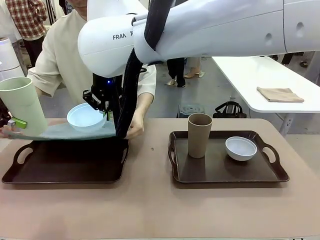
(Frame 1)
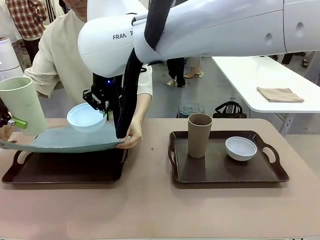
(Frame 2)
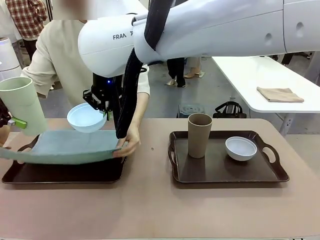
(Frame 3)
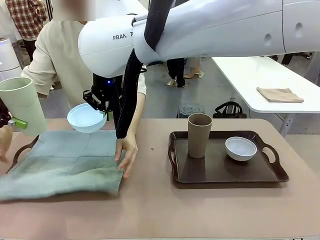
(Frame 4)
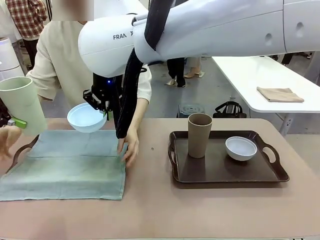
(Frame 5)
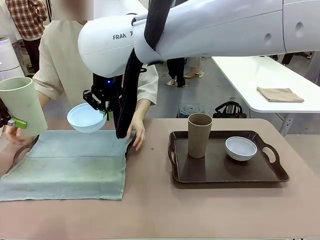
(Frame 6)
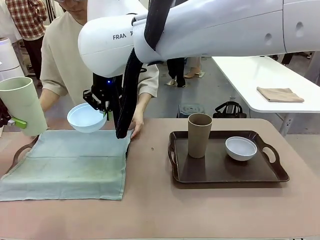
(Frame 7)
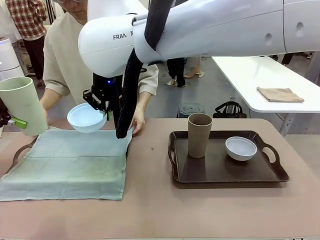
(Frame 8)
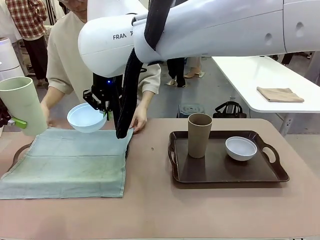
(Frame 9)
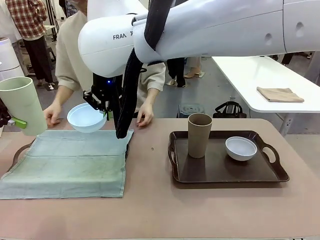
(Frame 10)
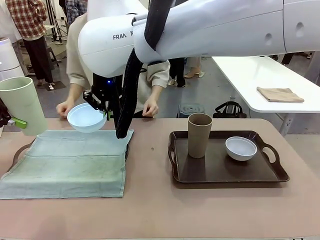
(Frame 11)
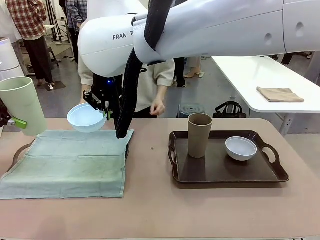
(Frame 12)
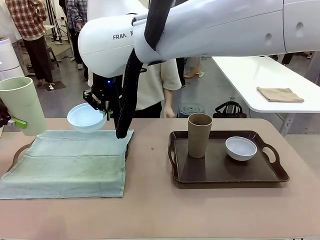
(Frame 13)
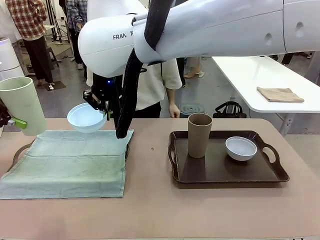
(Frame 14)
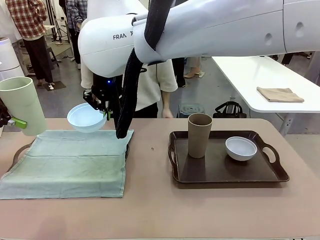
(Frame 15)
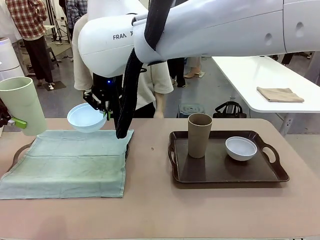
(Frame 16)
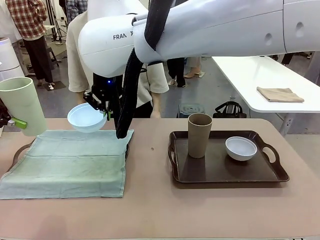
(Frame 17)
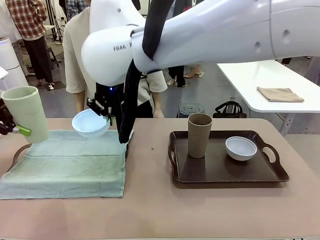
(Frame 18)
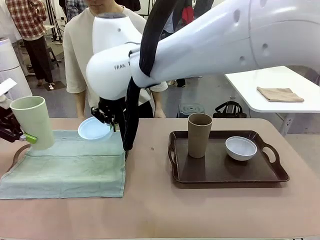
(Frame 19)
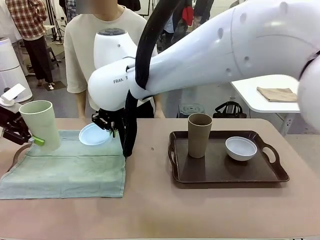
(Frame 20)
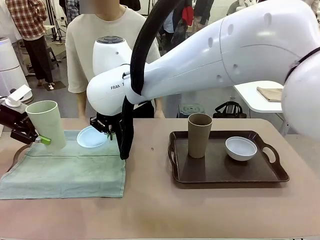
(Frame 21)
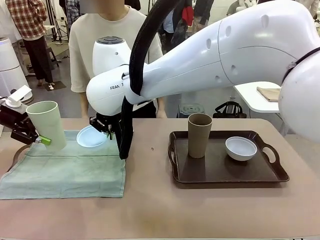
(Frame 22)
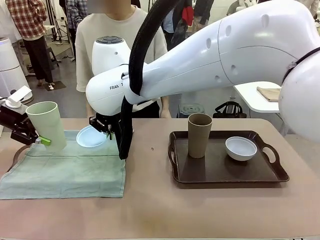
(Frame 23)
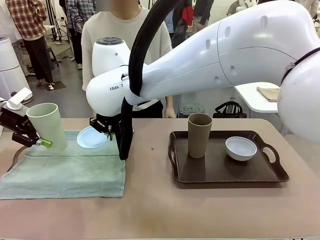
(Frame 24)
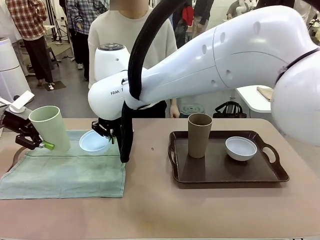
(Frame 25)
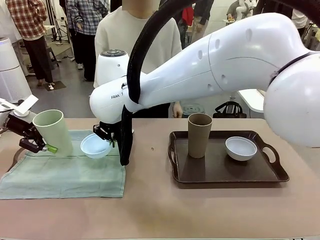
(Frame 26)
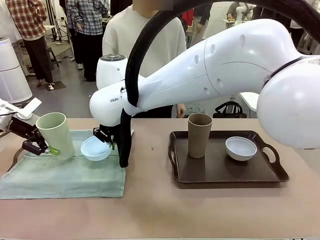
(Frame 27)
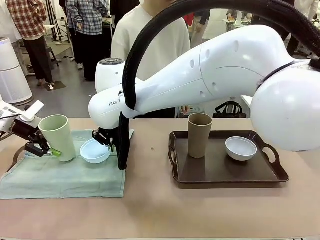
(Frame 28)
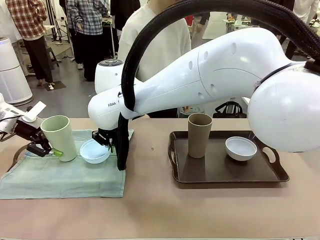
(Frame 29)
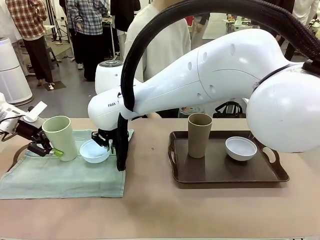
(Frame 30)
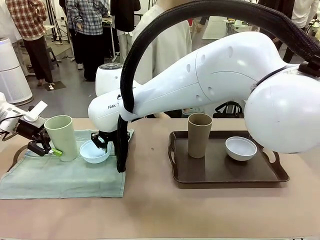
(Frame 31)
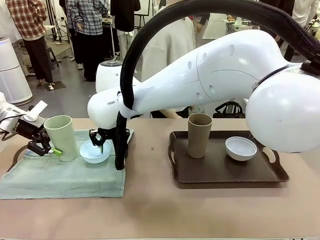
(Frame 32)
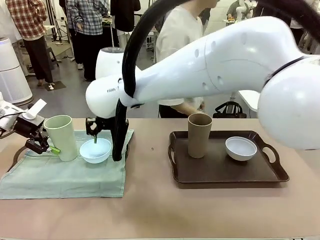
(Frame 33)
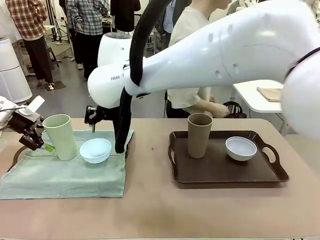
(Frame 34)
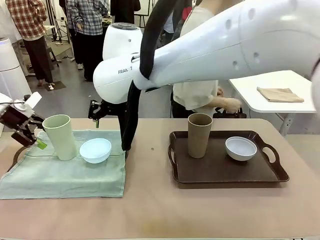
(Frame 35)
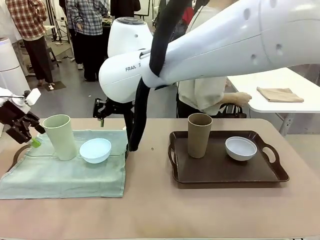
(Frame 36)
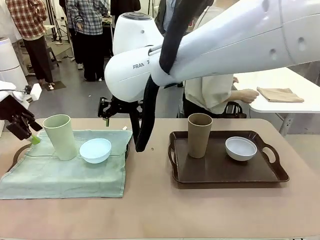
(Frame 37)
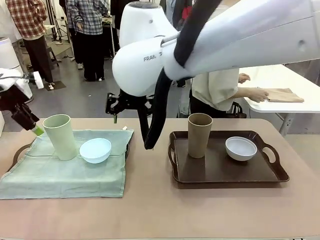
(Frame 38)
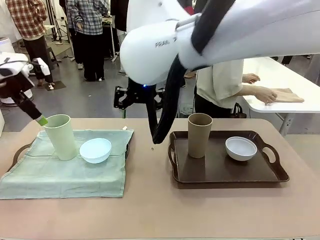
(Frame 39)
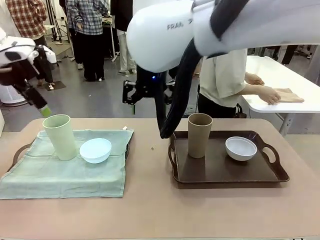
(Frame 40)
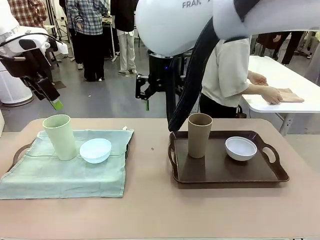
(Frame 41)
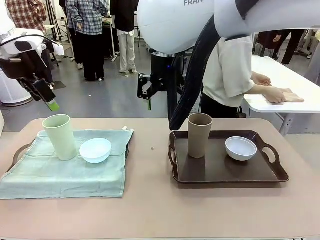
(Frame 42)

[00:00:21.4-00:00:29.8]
Robot: Place the Picnic Bowl and Reusable plastic cup back onto the Handle tray in front of the human's position.

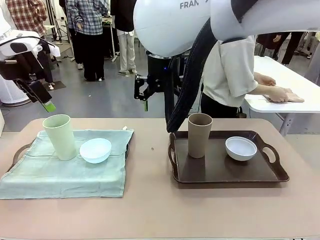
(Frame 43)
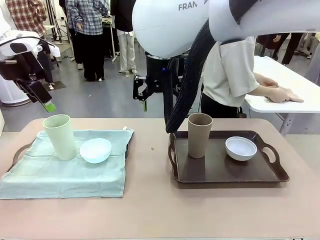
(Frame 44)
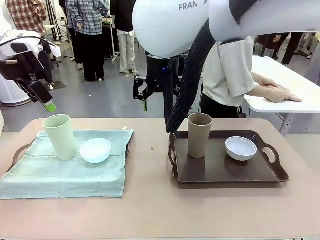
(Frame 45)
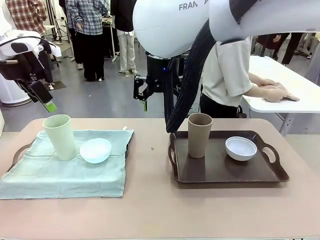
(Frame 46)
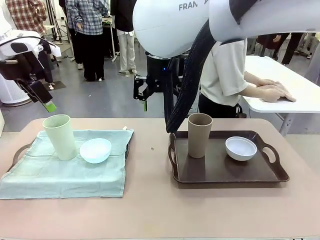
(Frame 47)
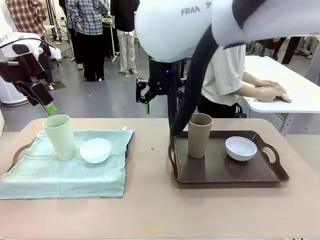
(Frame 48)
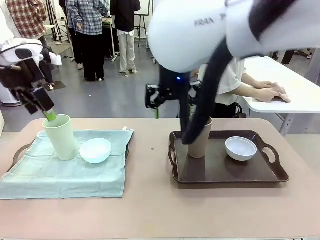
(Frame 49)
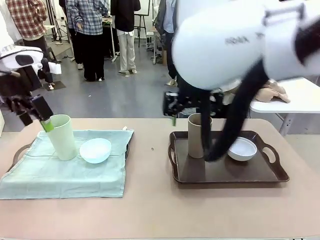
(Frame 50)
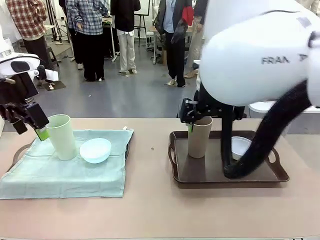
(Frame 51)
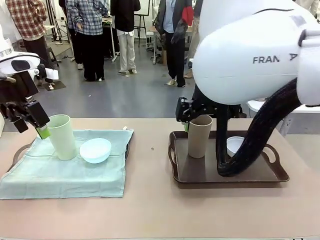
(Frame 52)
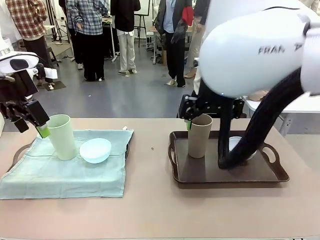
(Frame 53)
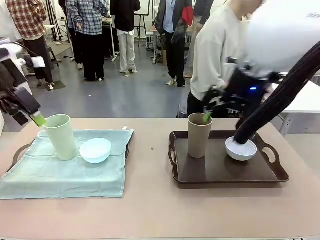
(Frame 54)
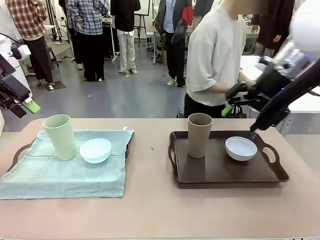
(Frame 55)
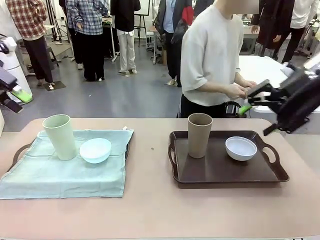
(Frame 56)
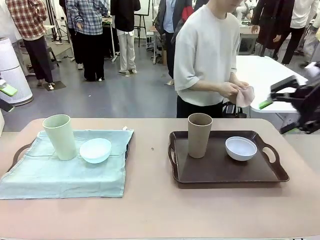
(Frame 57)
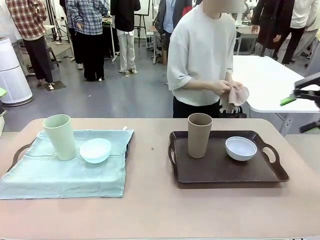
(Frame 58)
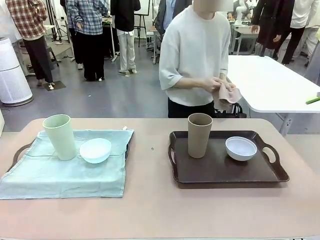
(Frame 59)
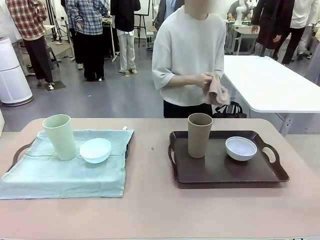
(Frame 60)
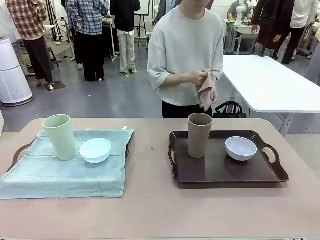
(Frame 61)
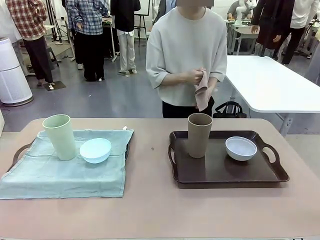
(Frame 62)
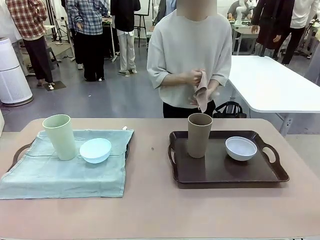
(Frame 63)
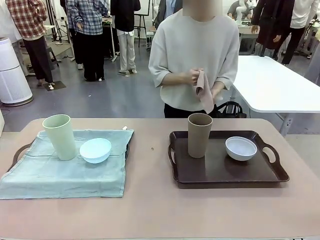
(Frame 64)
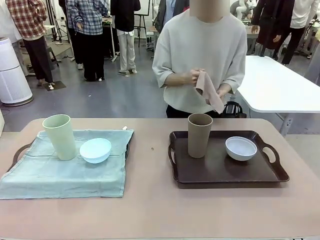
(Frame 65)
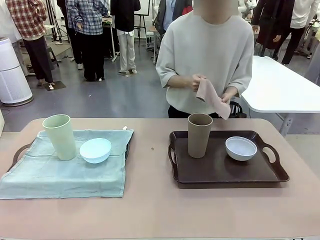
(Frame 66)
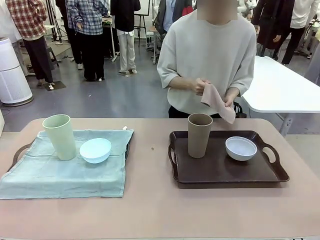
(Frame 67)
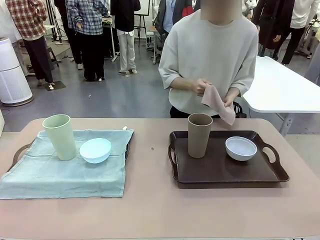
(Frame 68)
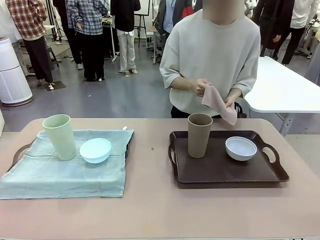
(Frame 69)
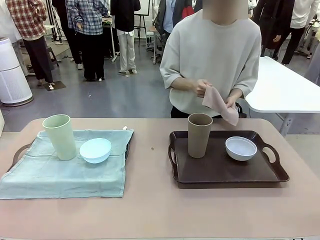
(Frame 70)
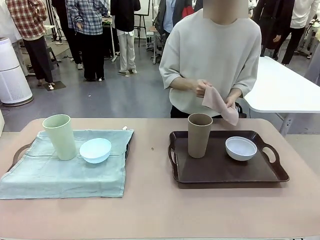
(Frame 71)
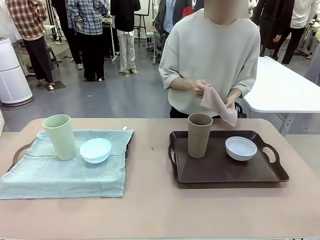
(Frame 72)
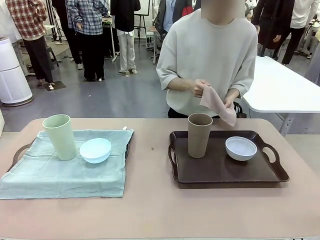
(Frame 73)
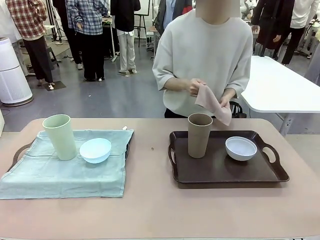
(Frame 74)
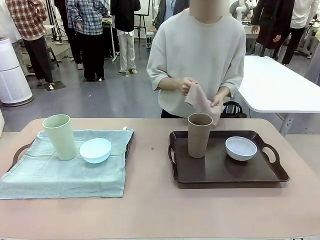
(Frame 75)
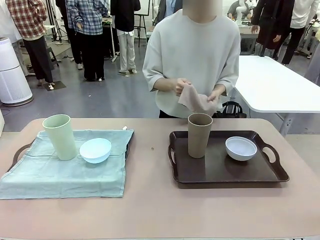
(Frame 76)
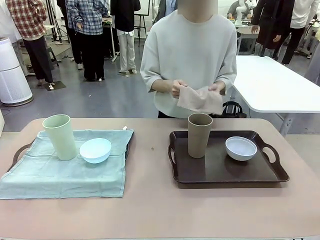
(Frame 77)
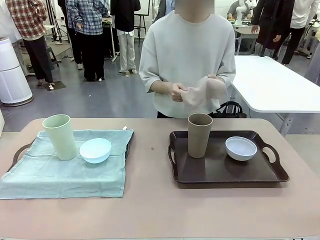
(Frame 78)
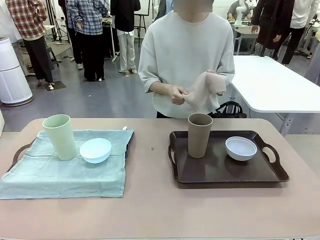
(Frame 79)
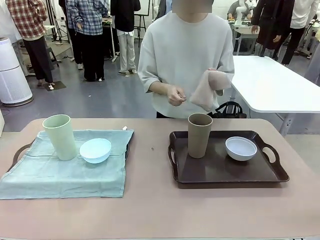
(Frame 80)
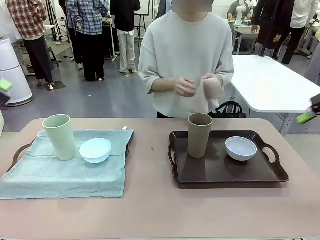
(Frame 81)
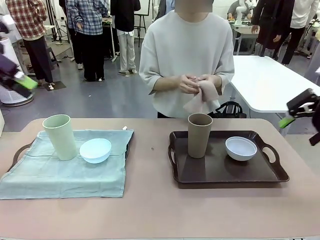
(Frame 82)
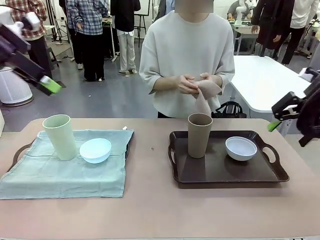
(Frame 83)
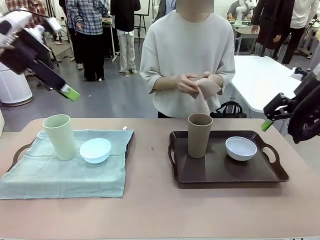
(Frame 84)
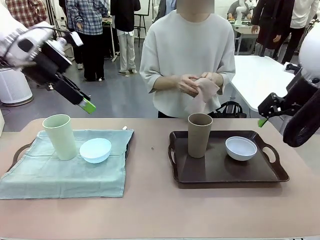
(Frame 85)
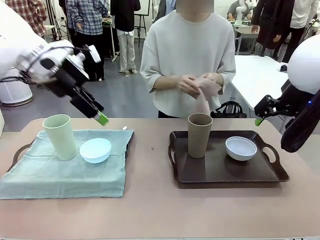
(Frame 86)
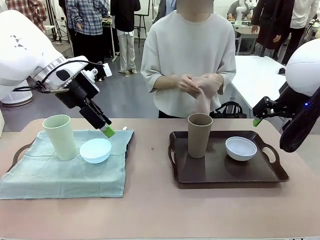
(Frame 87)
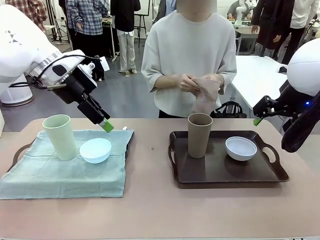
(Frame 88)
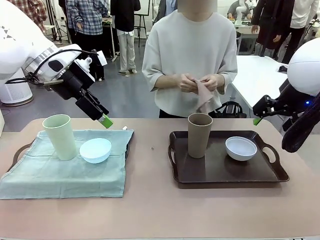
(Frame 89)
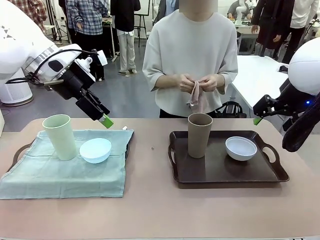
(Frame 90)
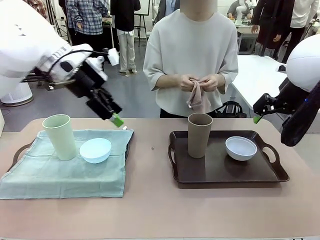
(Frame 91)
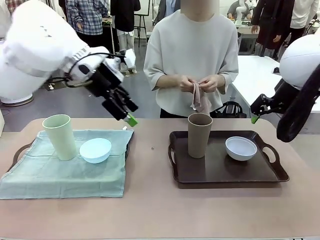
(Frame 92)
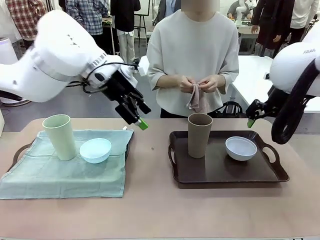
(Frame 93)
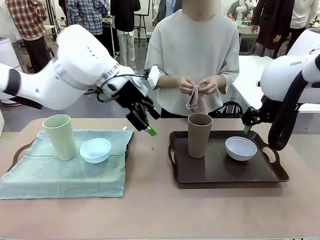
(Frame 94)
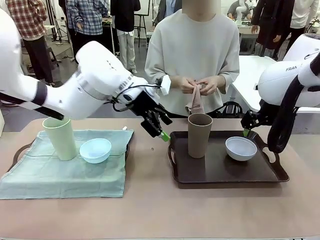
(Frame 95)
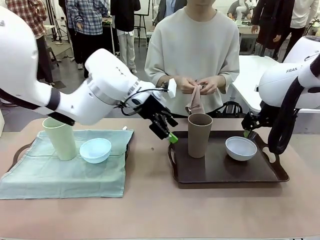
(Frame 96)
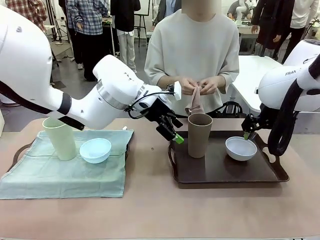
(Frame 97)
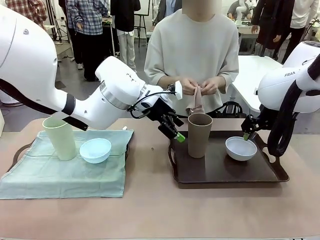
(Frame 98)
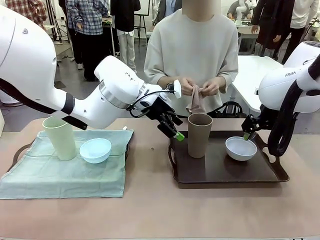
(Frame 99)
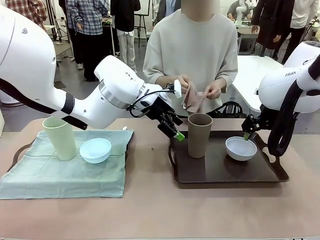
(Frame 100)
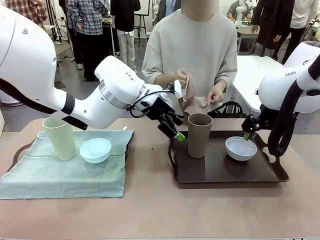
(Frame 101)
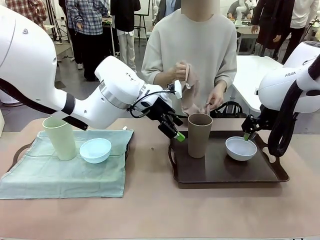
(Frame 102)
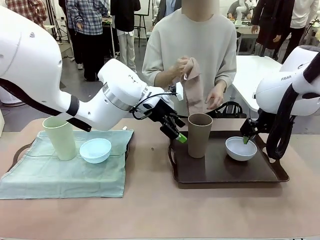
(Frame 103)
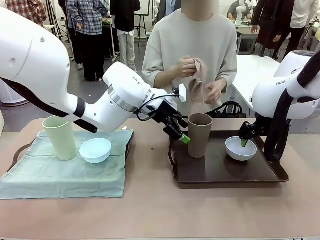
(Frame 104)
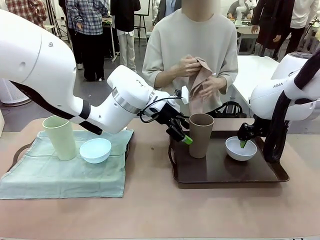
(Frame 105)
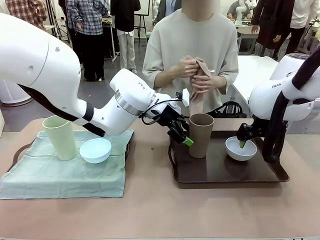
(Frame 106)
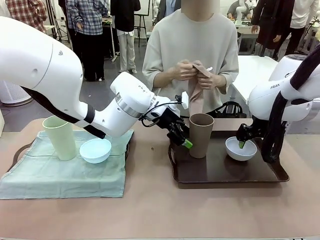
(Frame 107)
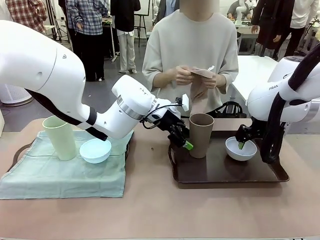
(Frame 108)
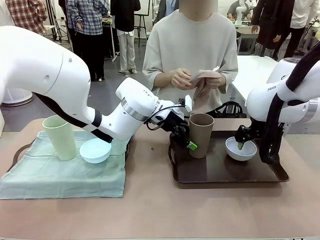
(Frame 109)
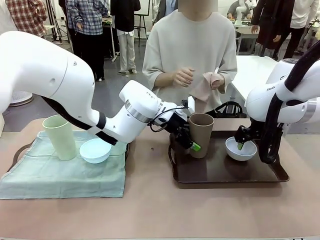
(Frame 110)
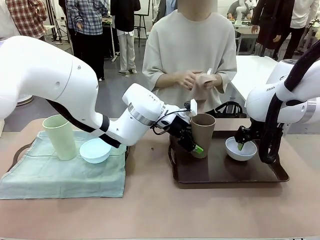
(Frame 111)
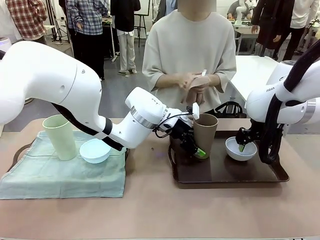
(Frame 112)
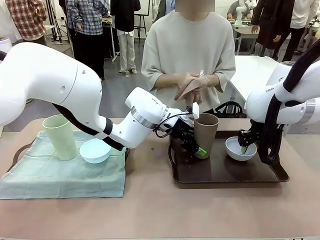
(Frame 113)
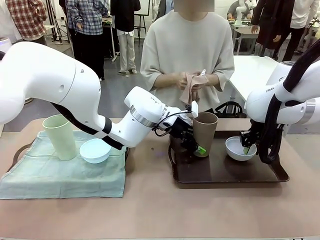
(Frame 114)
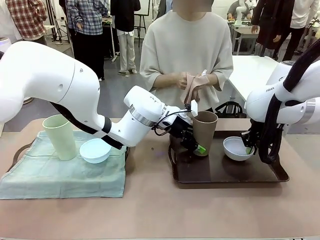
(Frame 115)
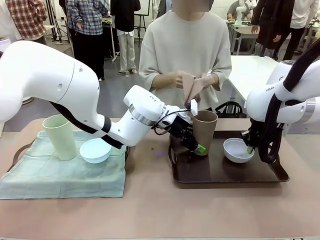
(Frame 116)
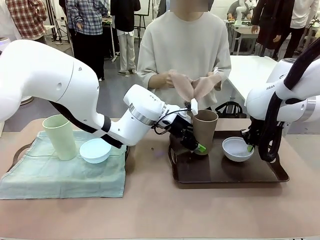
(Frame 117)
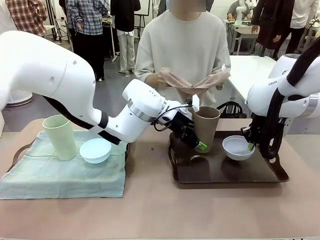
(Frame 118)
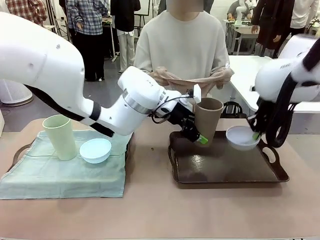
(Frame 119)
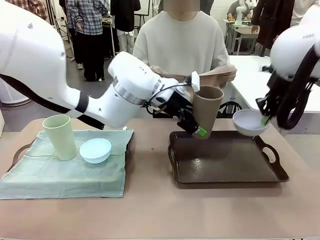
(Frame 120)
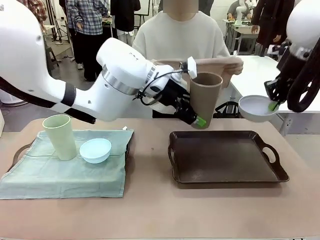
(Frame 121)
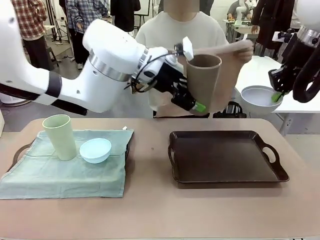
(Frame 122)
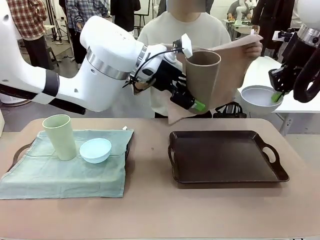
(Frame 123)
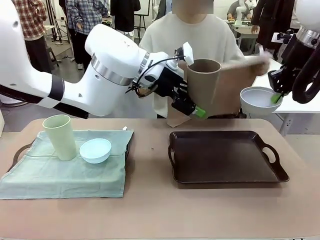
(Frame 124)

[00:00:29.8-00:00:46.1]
Robot: Pick up the Picnic Bowl and Reusable plastic cup from the Handle tray in front of the human's position and hold them in the air.
Person: The human returns to the human table to pick up another napkin and walks to the robot table to stand in front of the tray without a napkin. When the robot lifts the bowl and the cup, the human unfolds the napkin and lays the napkin flat on the tray.
